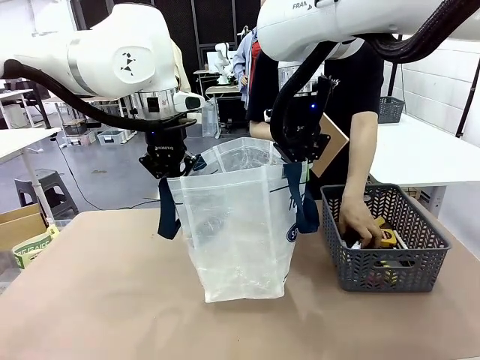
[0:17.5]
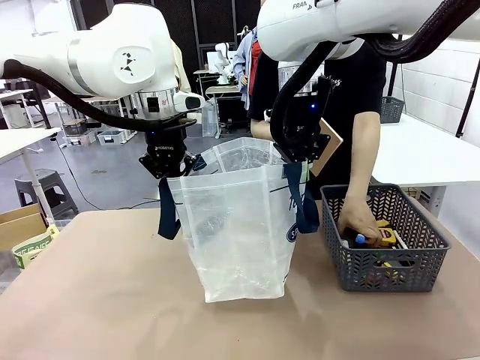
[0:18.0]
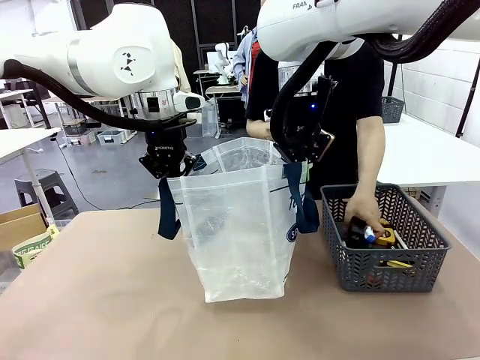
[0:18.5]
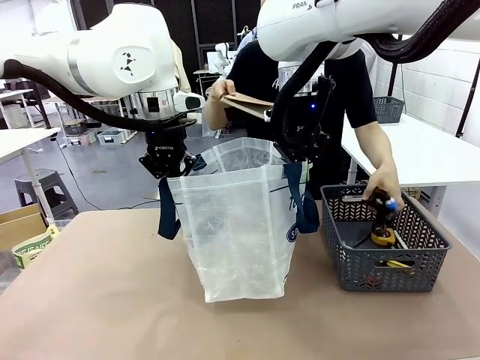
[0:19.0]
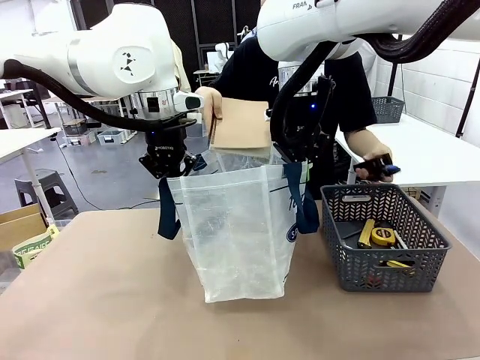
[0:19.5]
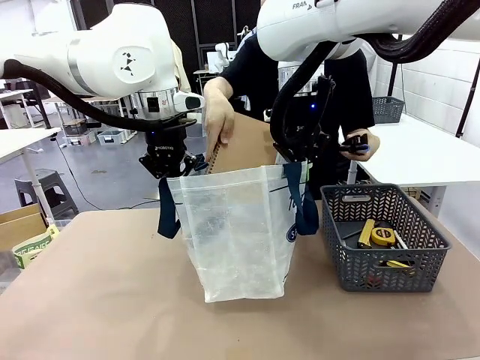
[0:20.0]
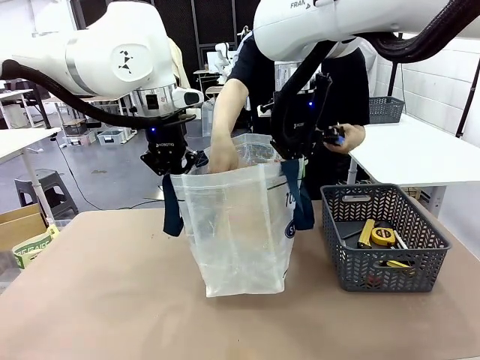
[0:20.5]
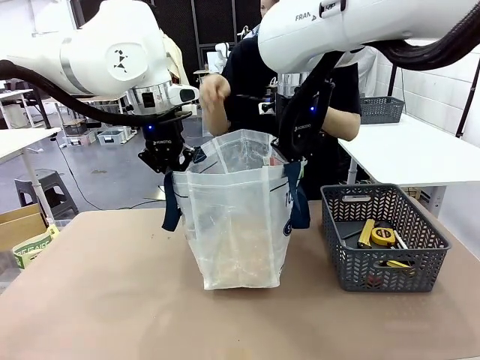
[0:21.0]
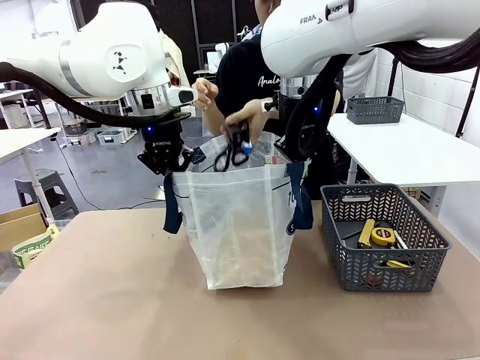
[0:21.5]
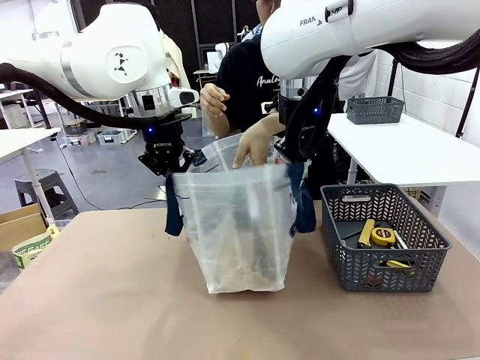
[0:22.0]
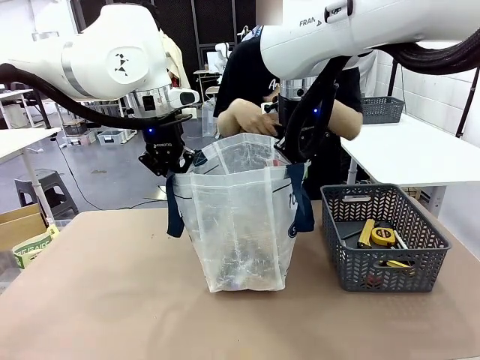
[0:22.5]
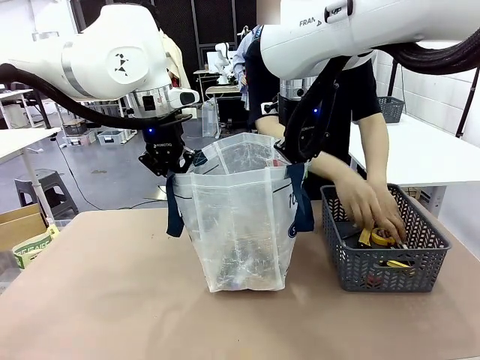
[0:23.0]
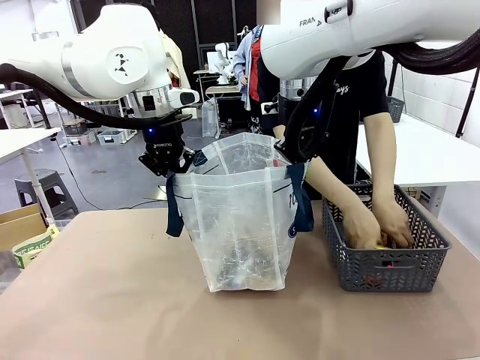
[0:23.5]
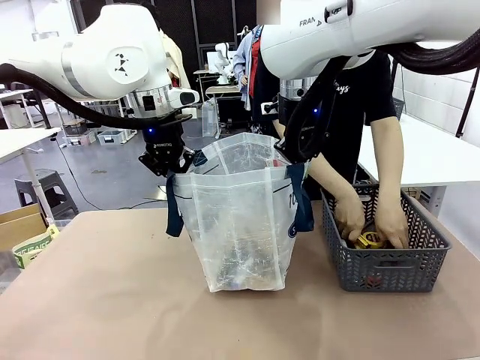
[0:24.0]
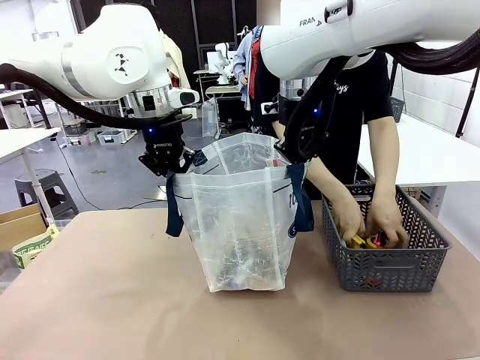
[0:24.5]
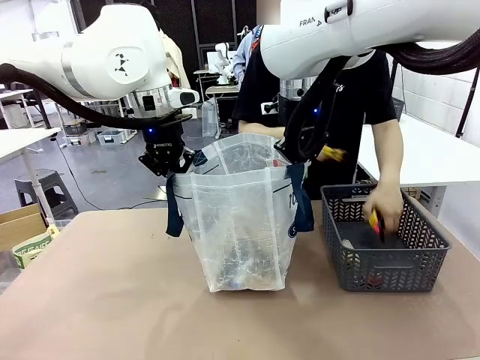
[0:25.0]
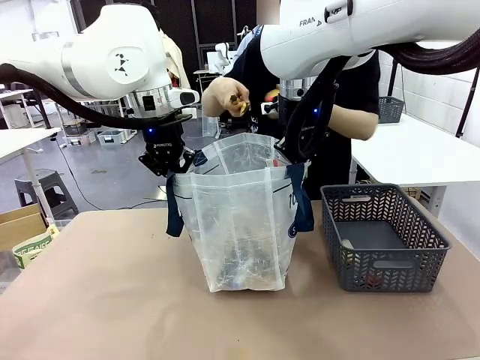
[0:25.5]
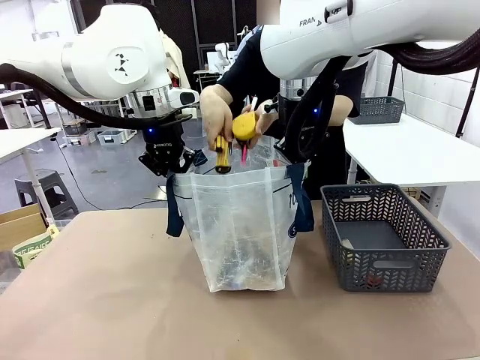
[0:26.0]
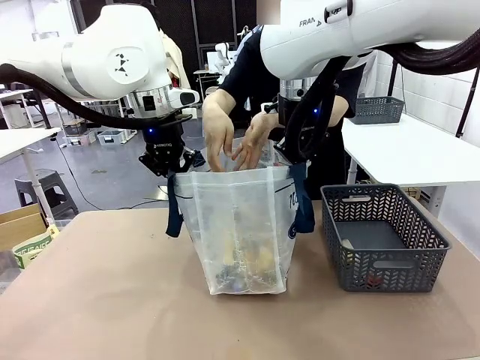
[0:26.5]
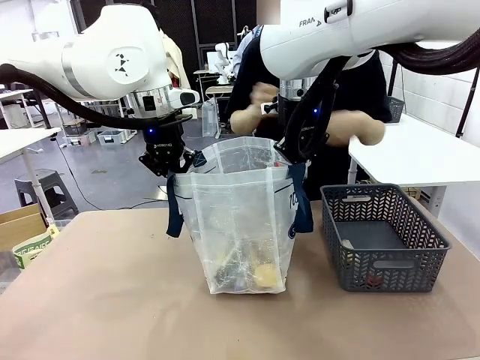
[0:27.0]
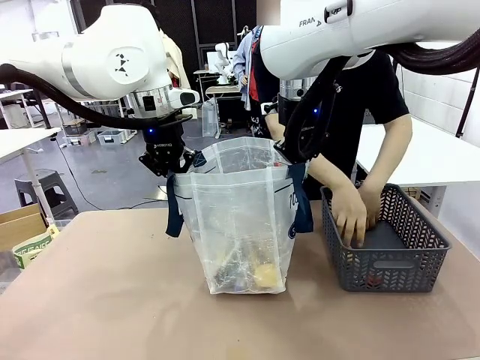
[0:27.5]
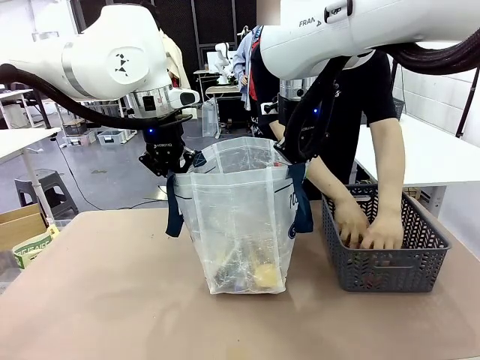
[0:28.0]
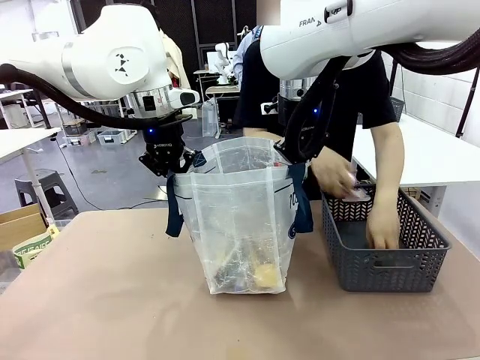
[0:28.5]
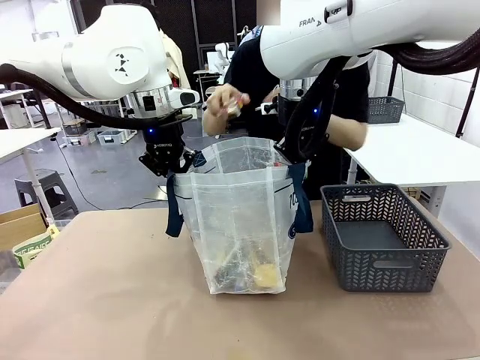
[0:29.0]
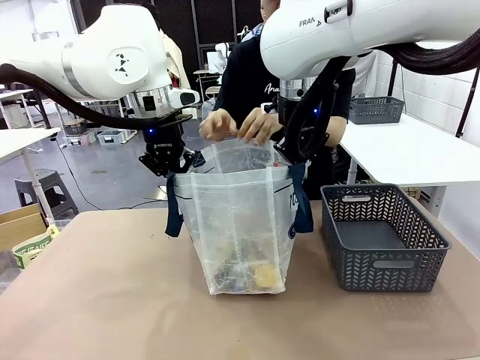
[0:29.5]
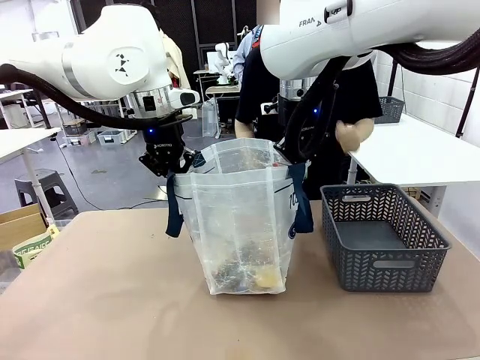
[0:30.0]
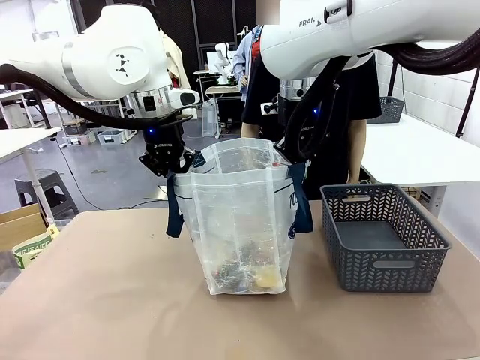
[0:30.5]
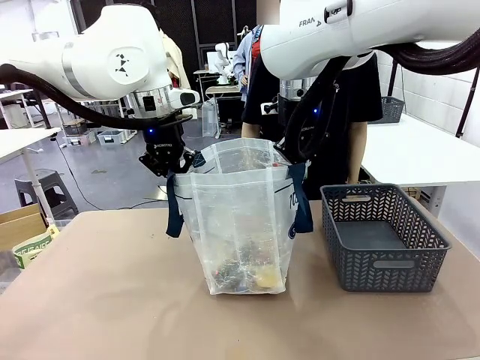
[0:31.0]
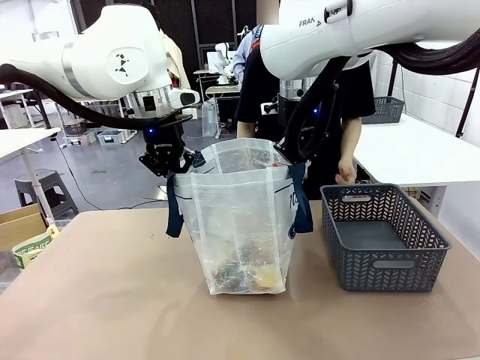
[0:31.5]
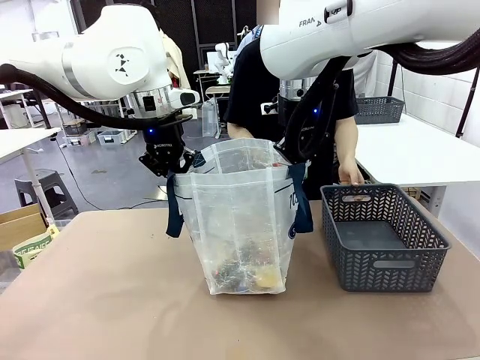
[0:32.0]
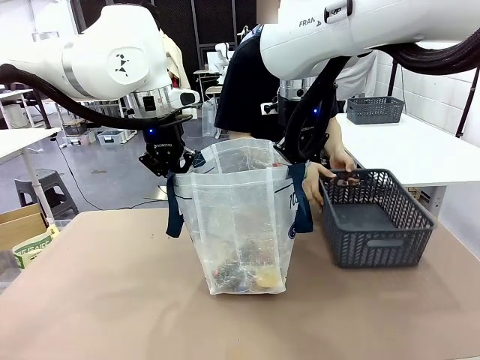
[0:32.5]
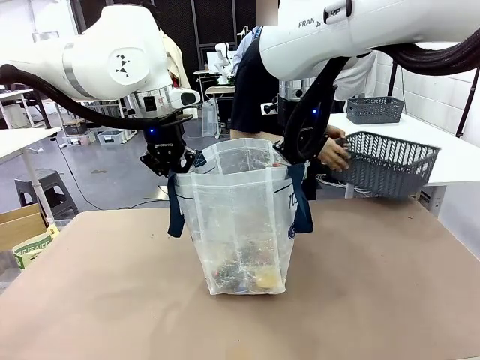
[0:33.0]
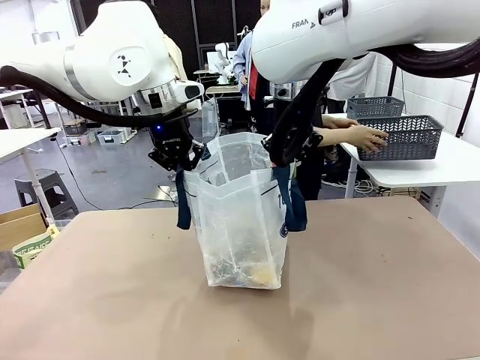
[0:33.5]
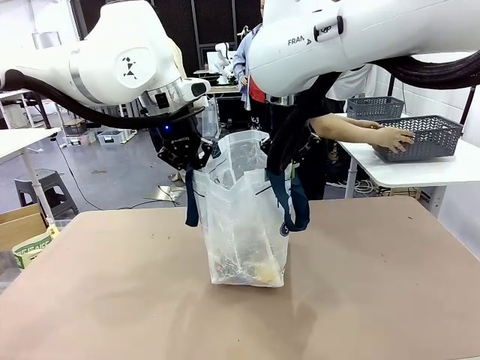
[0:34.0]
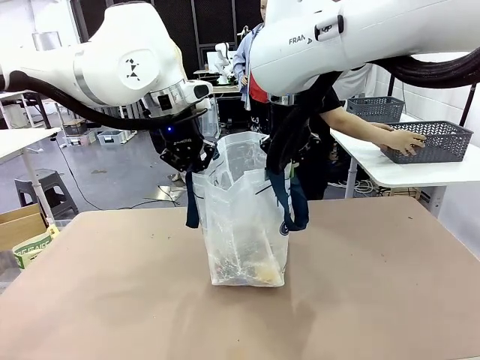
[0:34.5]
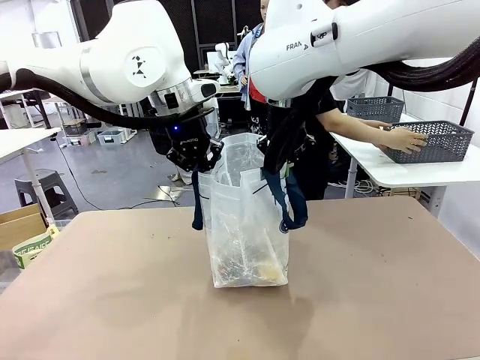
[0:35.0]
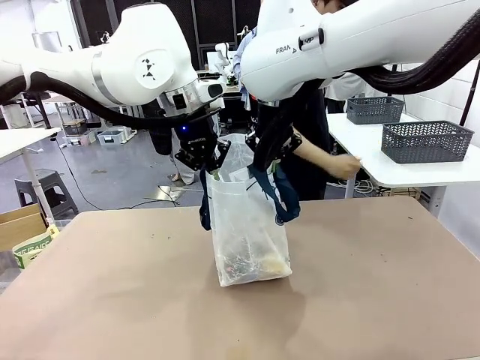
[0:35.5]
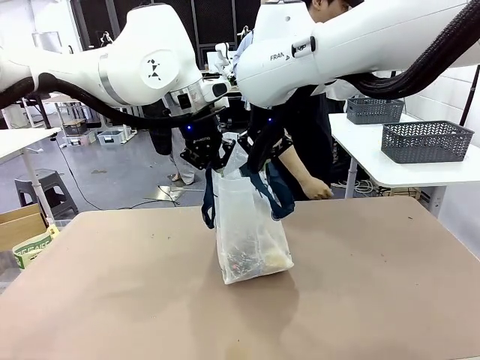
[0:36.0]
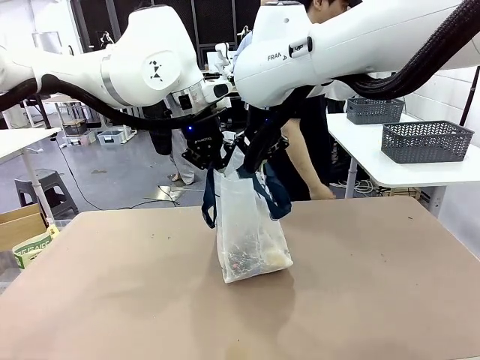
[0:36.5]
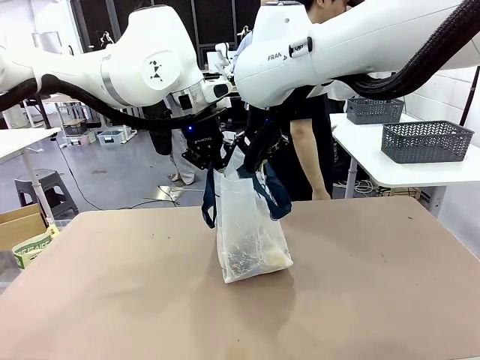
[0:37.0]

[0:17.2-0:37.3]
Task: Transfer purchased items from the store into the shopping bag.
Robot: Move the Reusable shopping bag to the right side of the table.
Person: Pick up the basket on the right, place it on the left side of the robot table, and move the items in the basket to the shopping bag. Pick up the basket with the items out and place it on the right side of the human table.

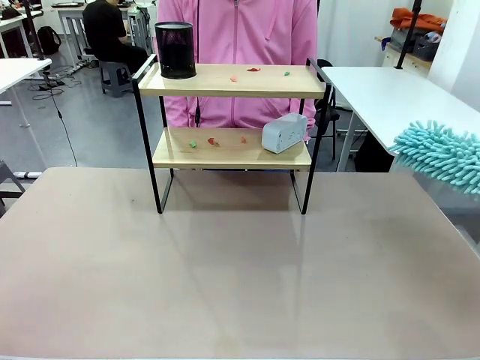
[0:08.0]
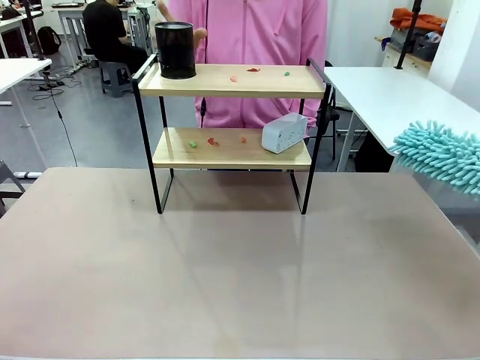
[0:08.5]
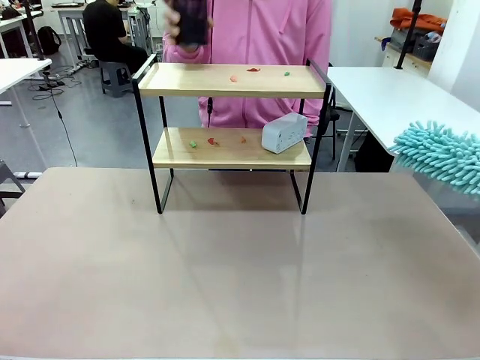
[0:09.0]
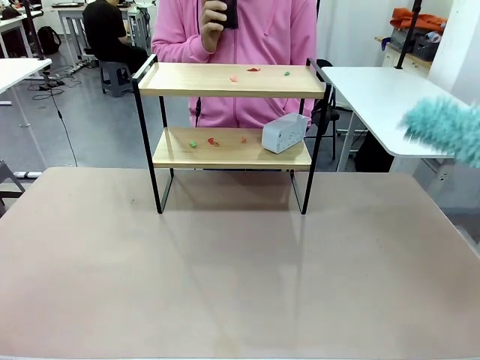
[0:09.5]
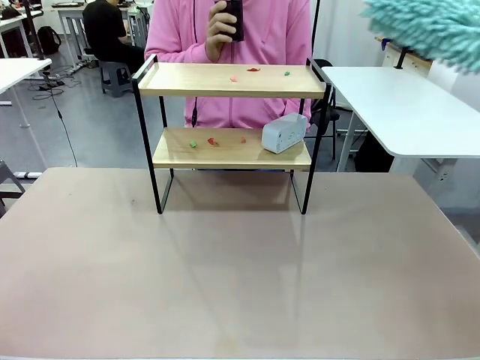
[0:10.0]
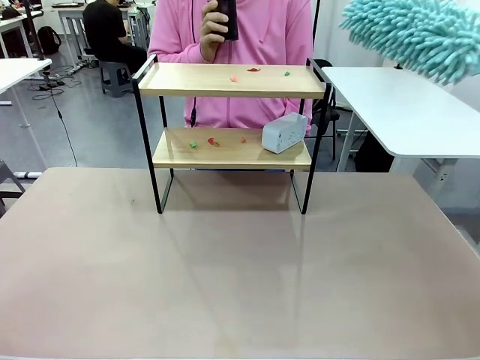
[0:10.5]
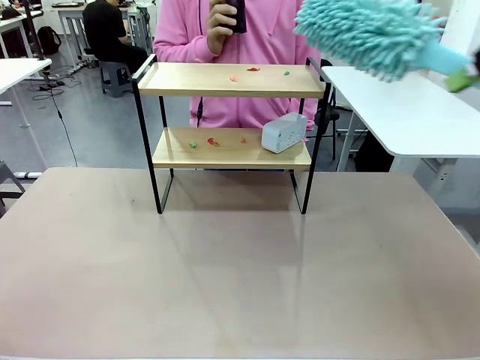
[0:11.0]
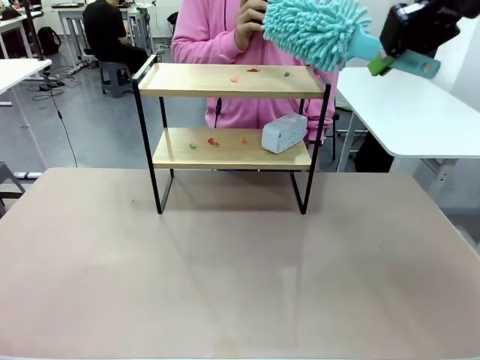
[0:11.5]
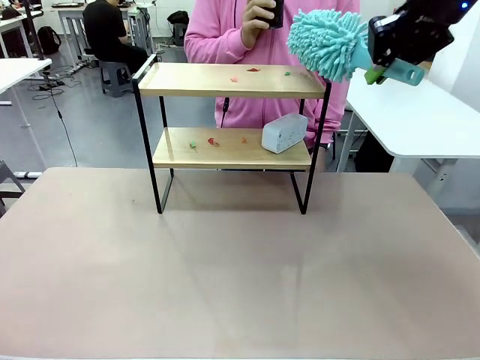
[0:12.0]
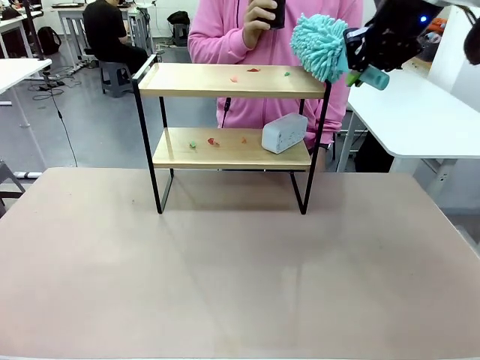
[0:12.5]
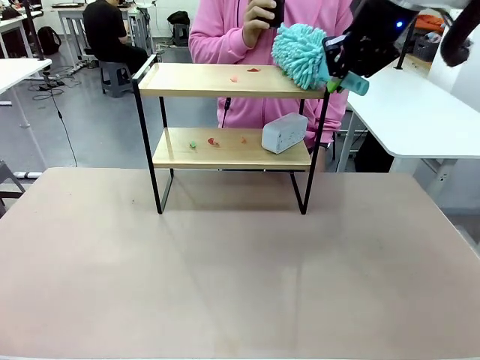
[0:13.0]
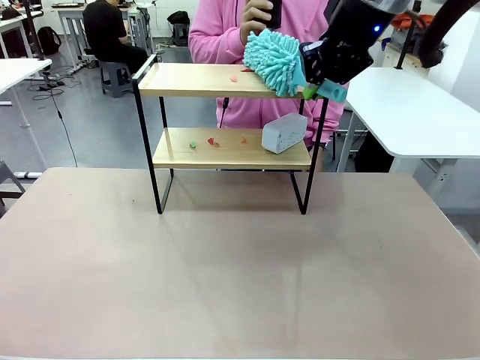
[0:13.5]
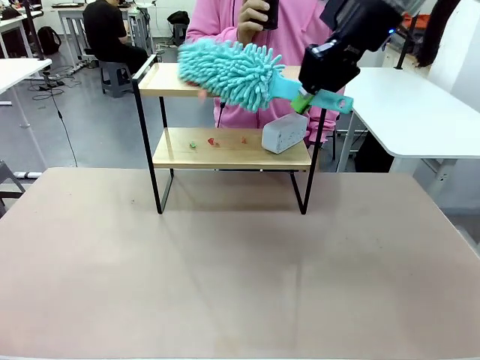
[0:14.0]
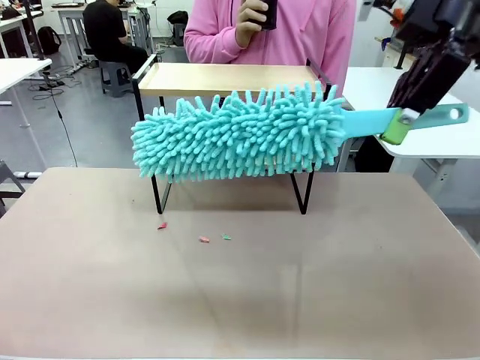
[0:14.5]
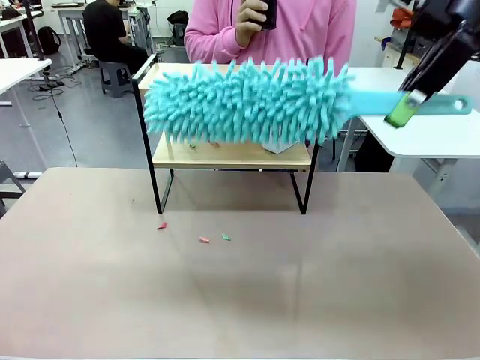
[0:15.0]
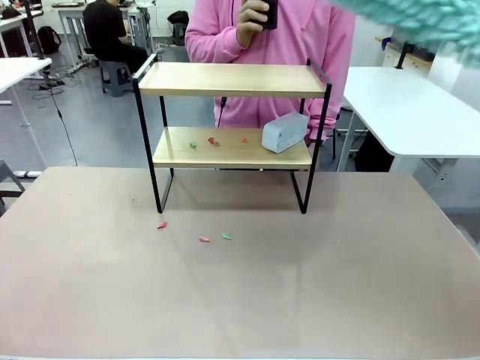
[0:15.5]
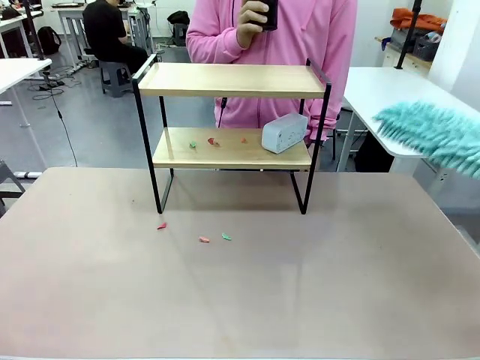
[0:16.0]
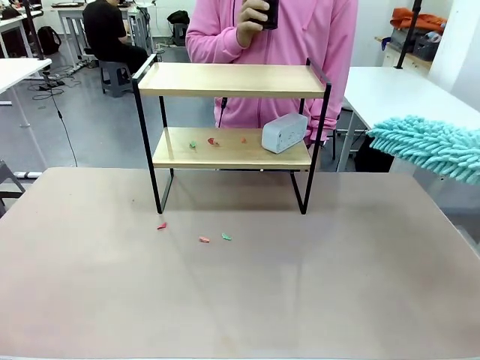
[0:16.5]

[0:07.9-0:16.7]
Task: Clean the shelf.
Robot: Clean the specific tier of the Shelf with the Duster once objects are removed.
Person: Lift the objects on a randomly selected tier of the Shelf. Once the robot finishes cleaning, lift the objects on the remaining tiers of the Shelf.
